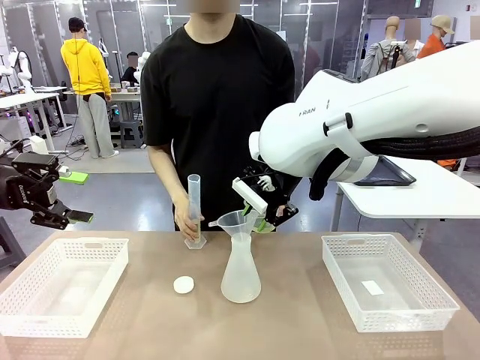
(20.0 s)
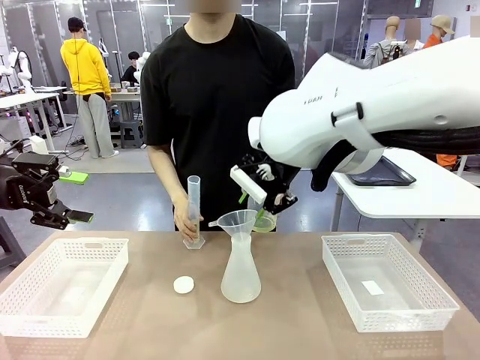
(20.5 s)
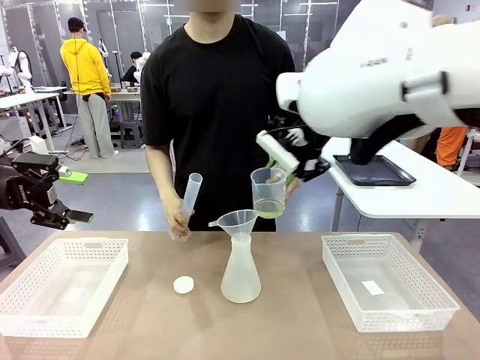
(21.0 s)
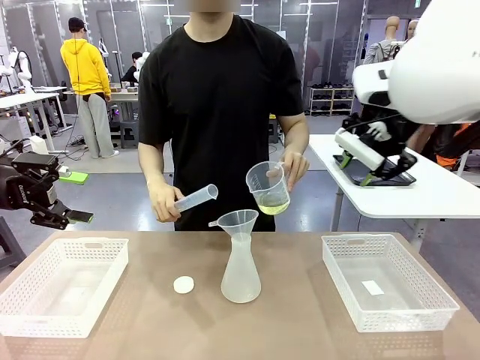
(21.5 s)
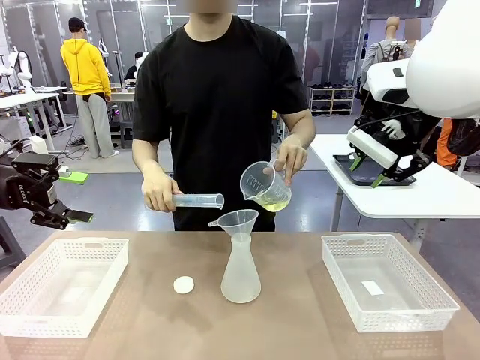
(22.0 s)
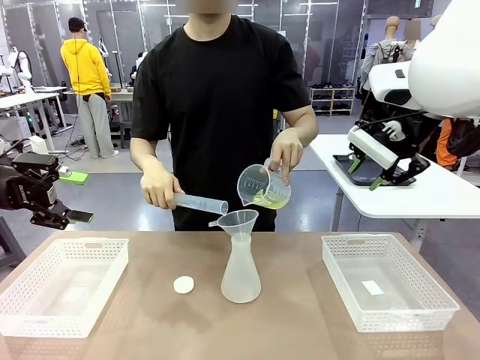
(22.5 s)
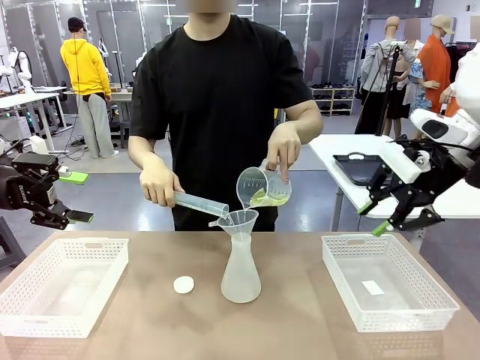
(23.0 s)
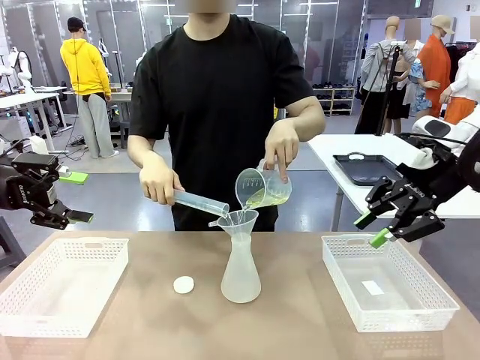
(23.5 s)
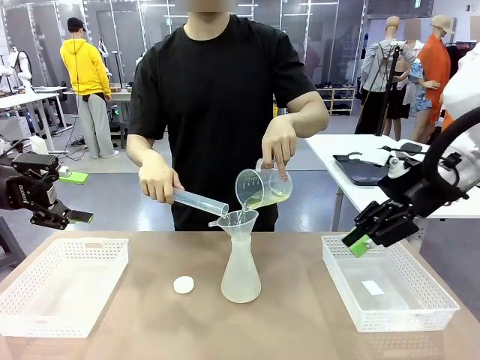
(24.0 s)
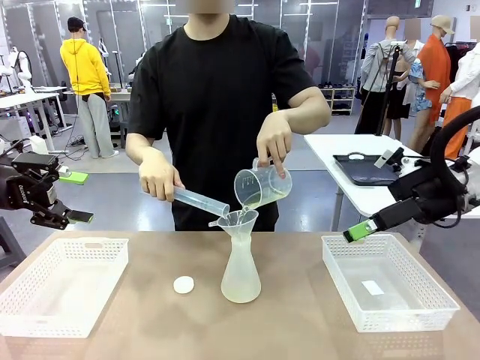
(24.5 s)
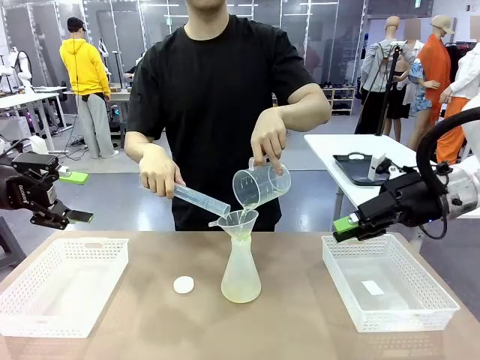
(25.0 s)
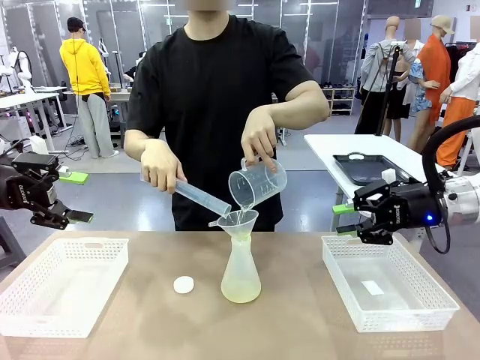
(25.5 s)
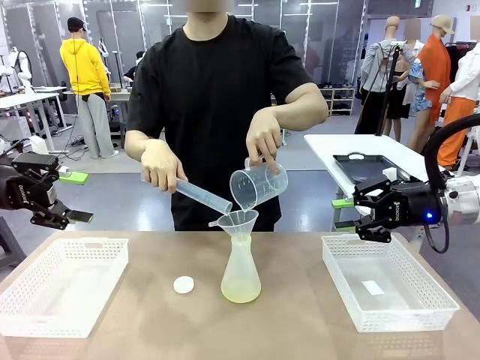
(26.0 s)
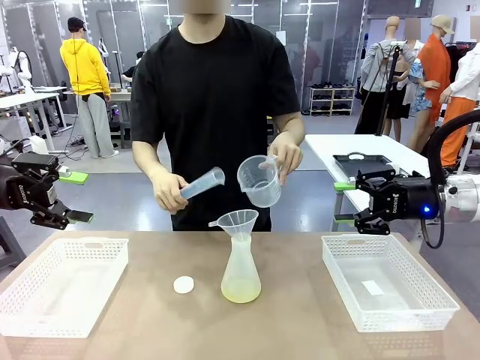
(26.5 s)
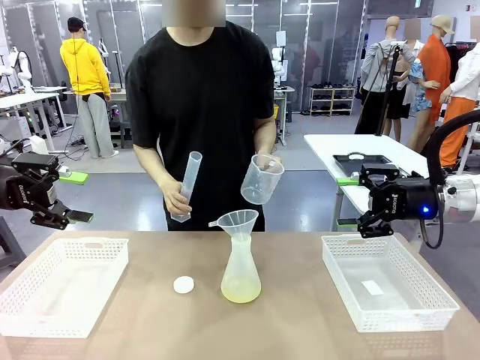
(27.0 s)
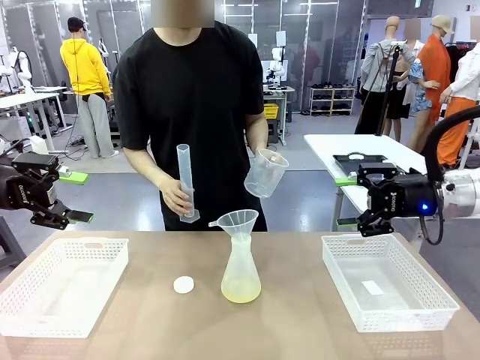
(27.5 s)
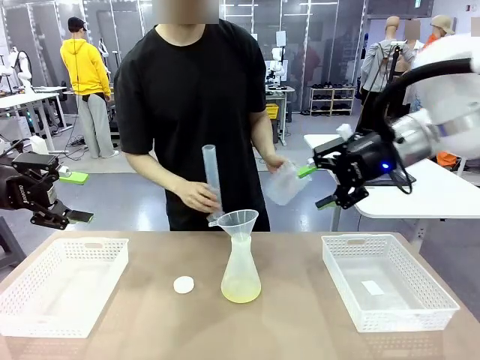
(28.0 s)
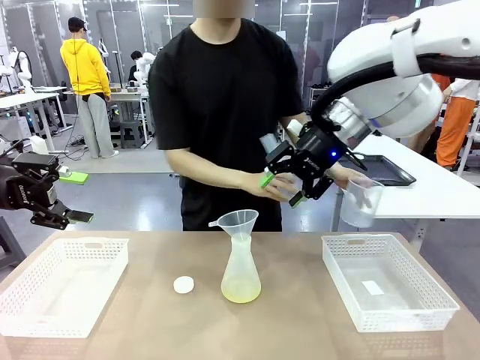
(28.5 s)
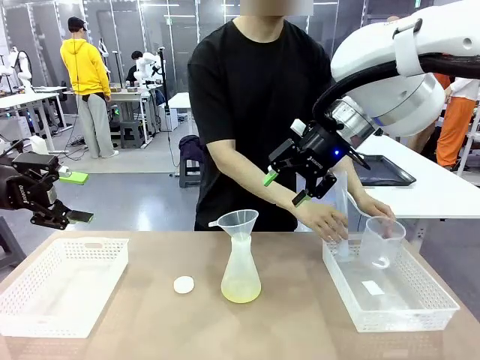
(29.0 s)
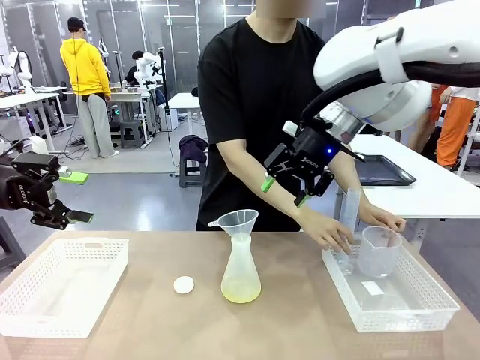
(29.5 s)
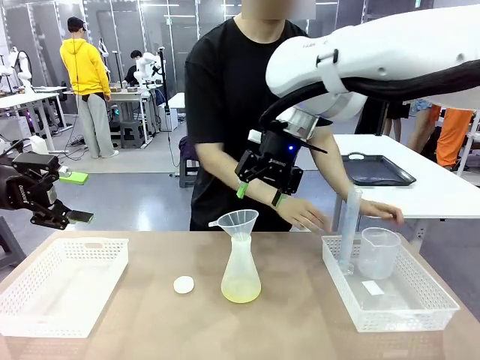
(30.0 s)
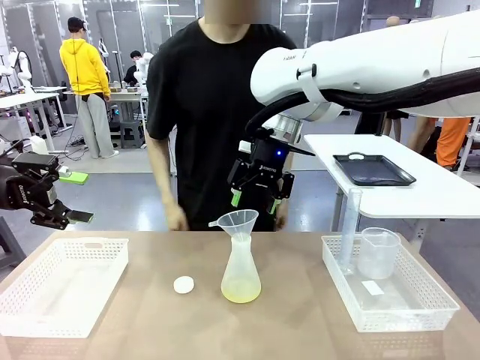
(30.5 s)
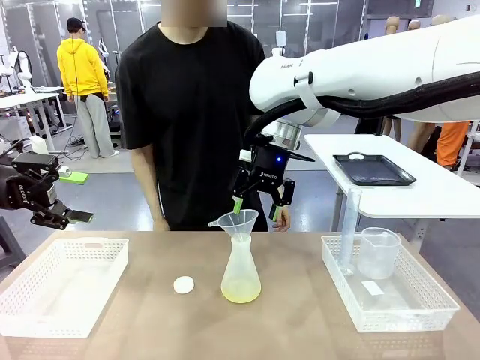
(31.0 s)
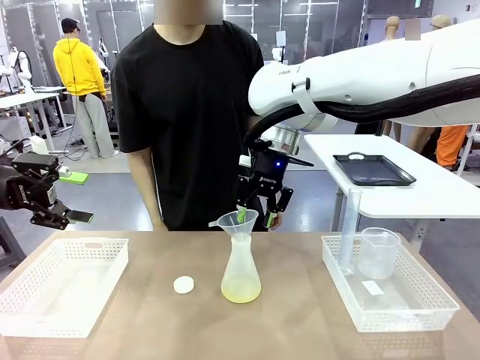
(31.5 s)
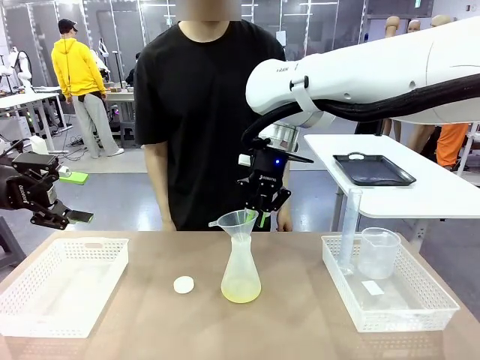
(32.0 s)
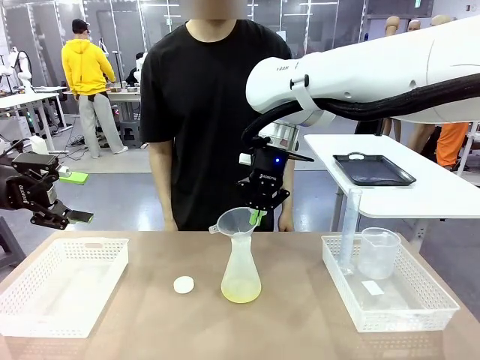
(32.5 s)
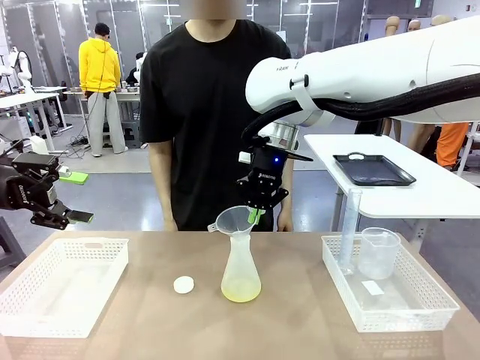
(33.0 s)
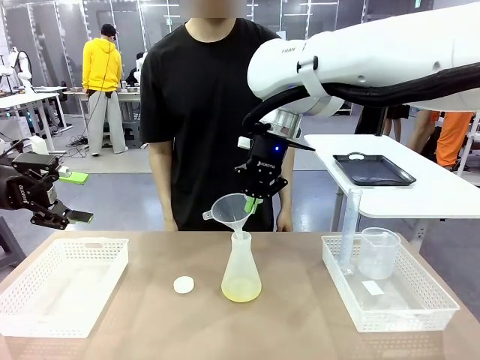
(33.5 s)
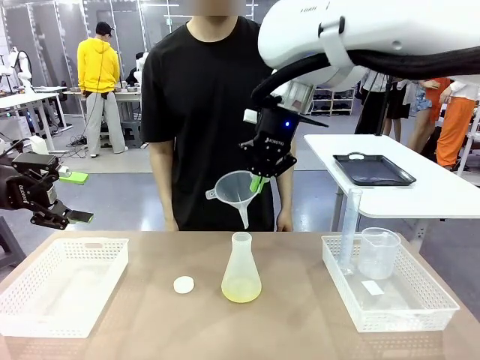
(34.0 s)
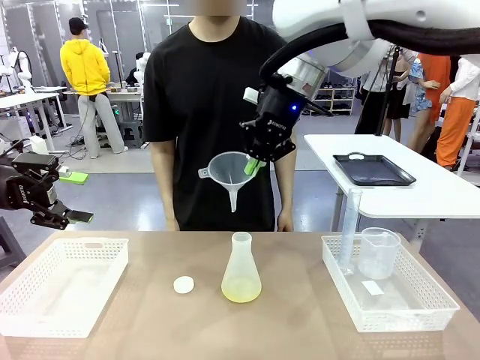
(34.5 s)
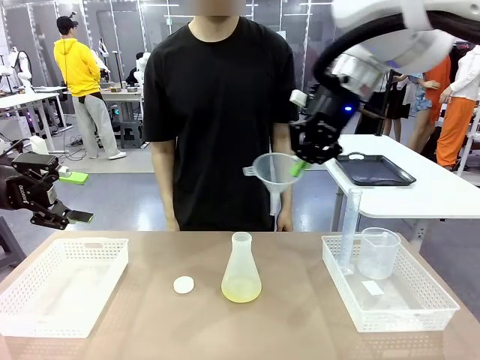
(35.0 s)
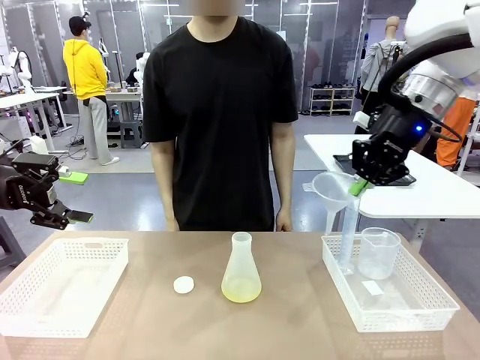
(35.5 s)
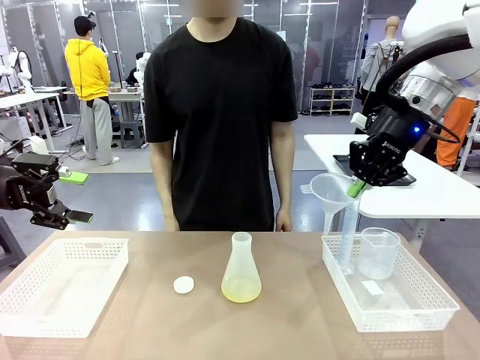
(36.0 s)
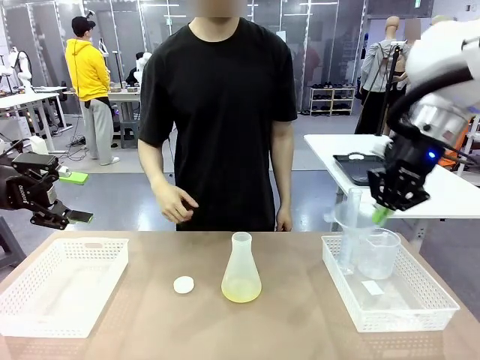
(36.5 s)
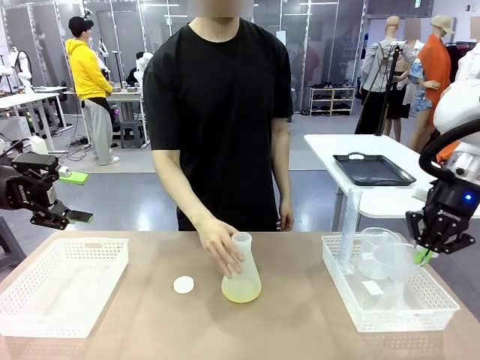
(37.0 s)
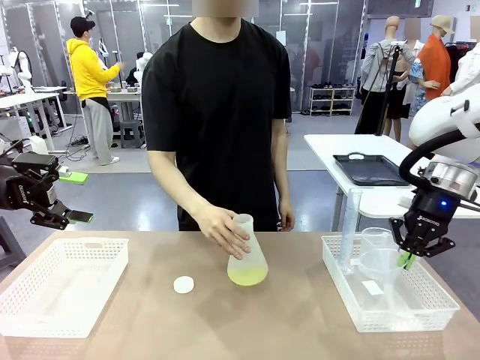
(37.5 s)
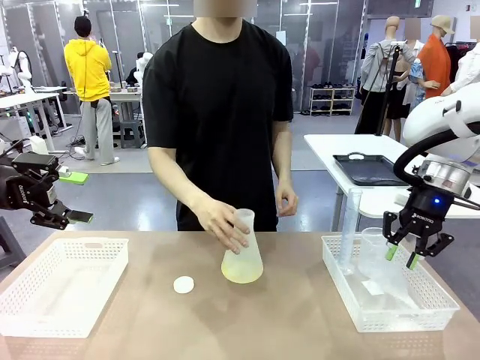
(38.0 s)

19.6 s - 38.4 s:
Task: Prepare the solutions needed for the experiment.
Robot: Once the solution is in the Big flask , pick up the Plastic Funnel and place it back into the right Organizing basket.
Person: Place the beaker and the cylinder into the organizing basket on the left side. Pick up the flask, gently shake it 2–3 times, place it in the middle of the robot table, and close the lid.

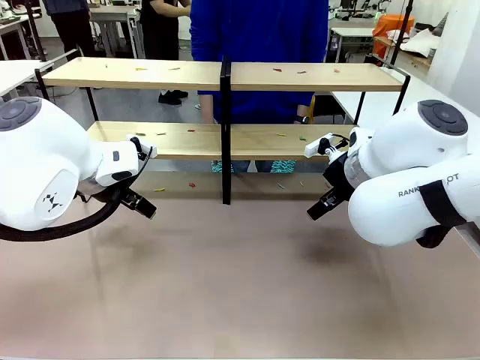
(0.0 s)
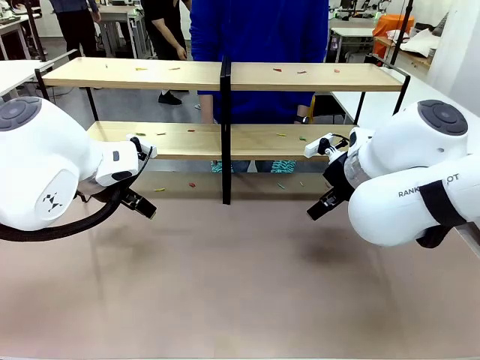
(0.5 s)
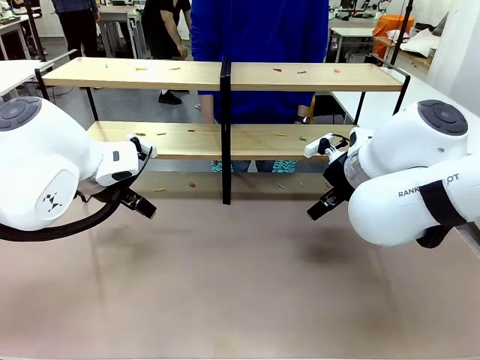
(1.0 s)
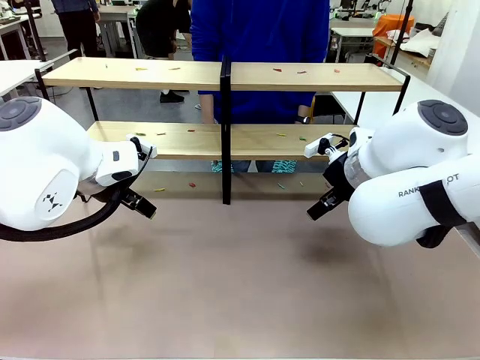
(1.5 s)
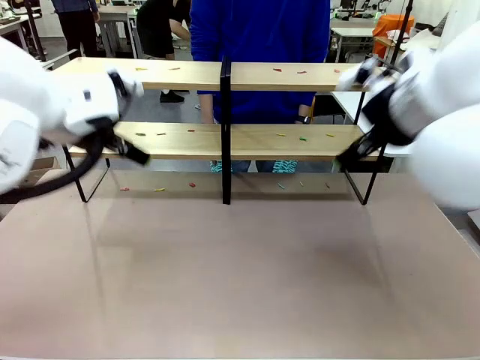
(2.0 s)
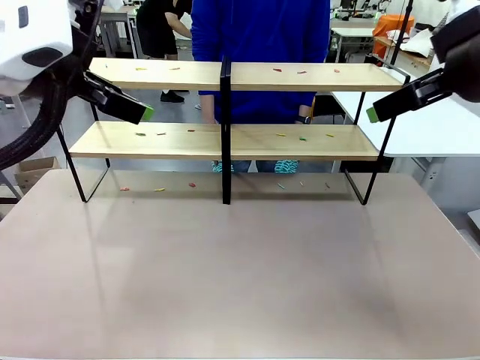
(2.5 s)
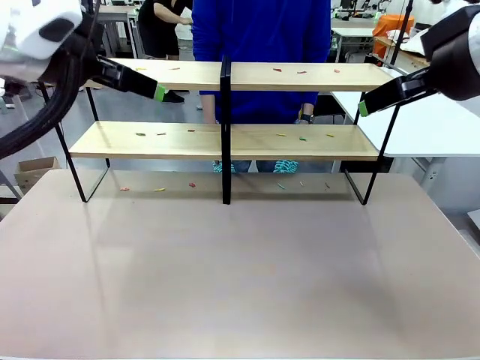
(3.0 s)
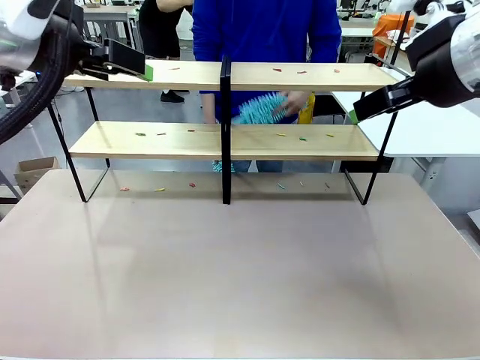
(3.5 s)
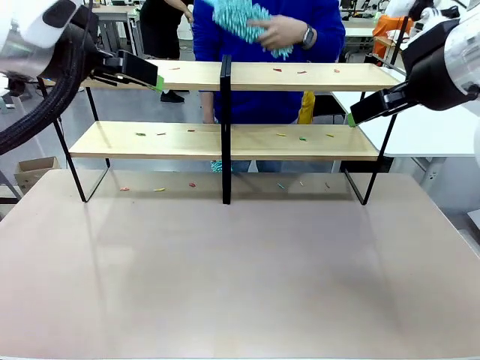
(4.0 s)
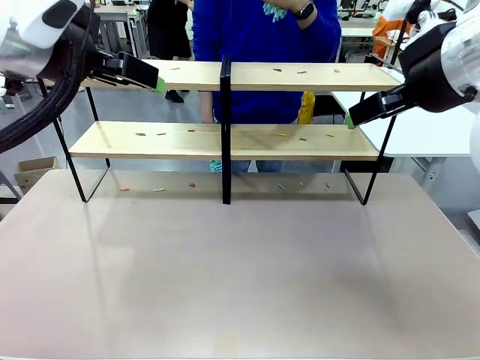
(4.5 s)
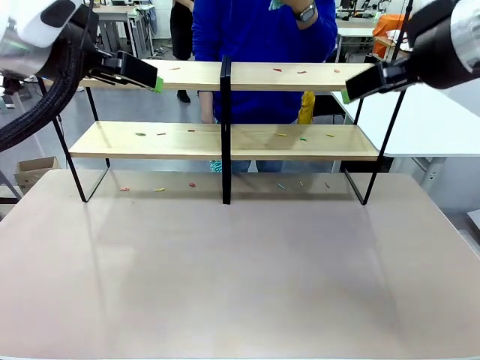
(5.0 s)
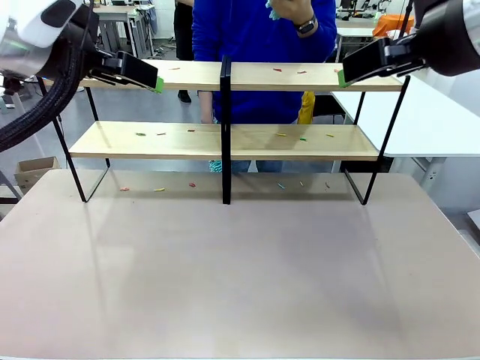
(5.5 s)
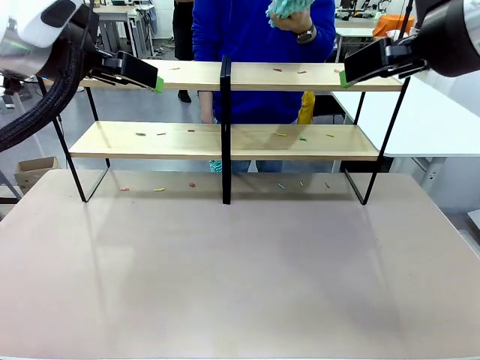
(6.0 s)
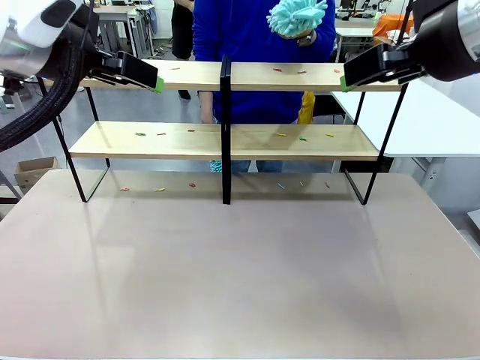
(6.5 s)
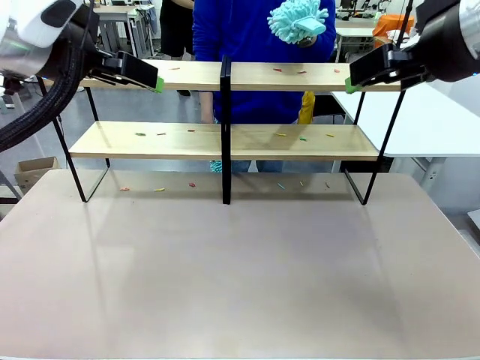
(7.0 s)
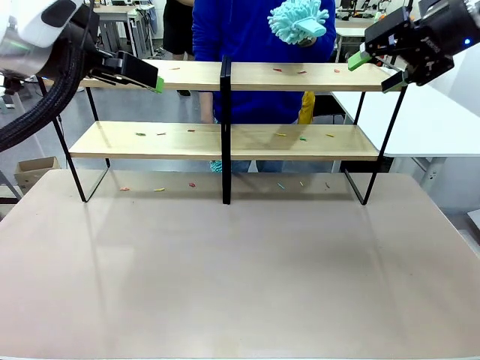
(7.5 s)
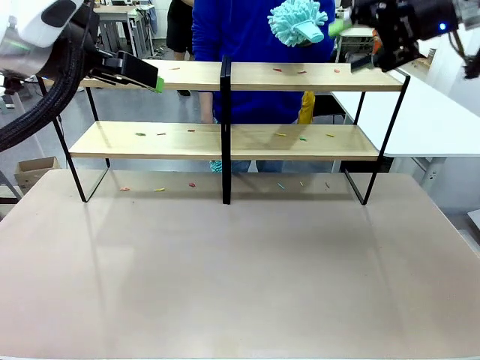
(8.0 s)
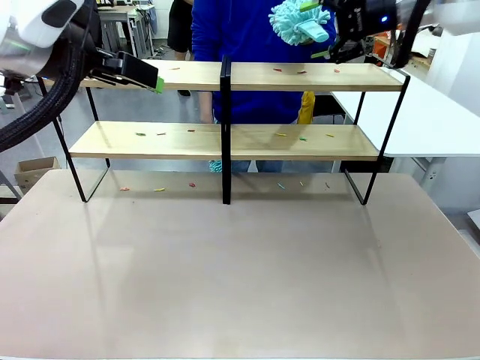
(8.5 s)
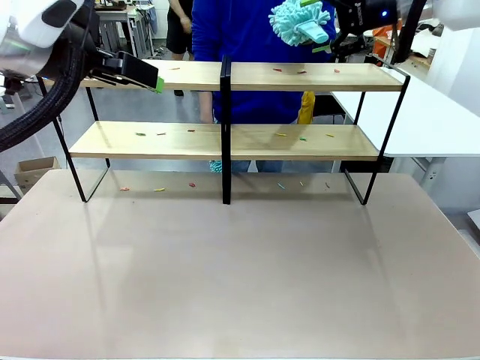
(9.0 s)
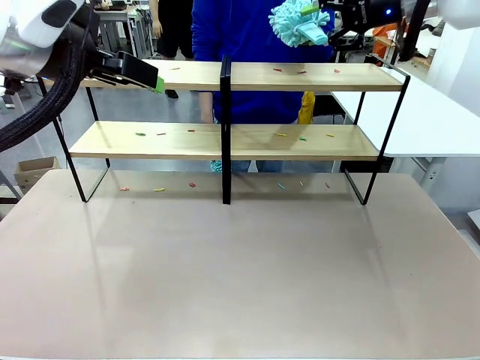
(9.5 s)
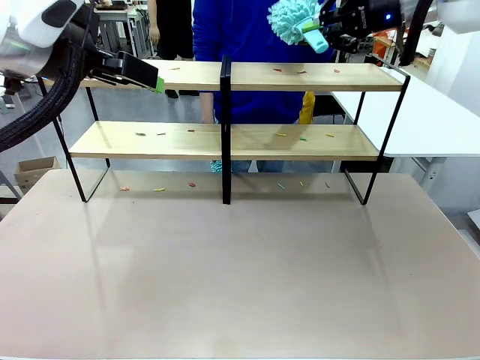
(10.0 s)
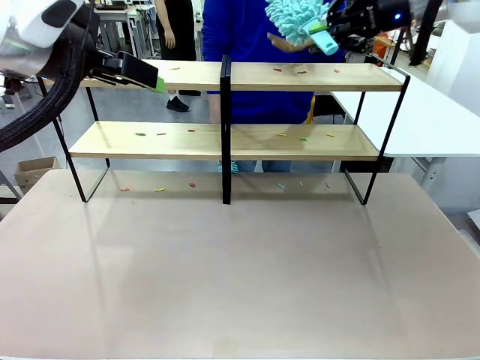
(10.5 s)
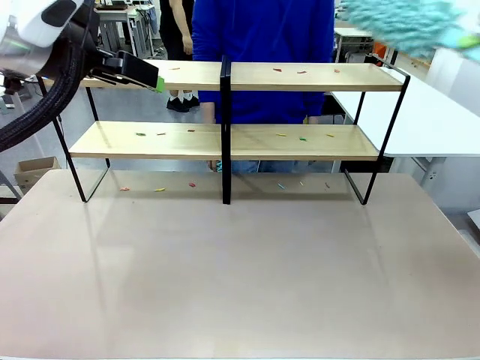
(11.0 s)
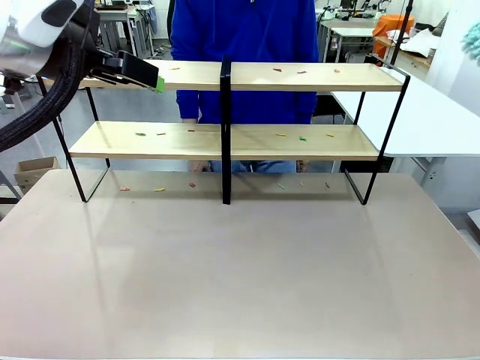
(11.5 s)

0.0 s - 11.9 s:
Task: Clean the shelves.
Robot: Pick up the Duster when the human hands it over.
Person: Hand the Duster to the robot with your right (or left) hand.
